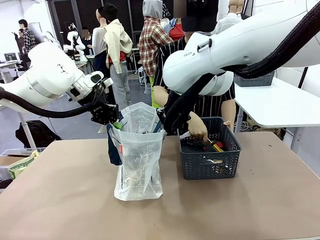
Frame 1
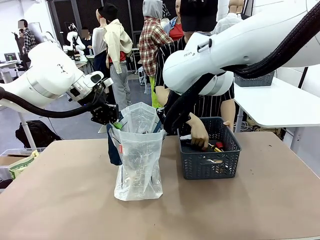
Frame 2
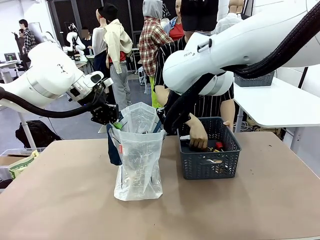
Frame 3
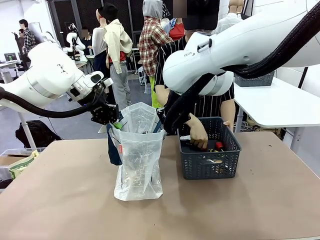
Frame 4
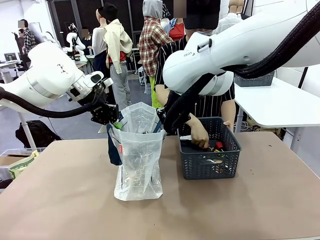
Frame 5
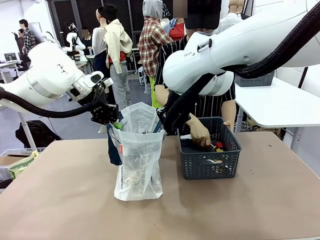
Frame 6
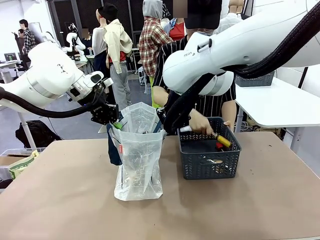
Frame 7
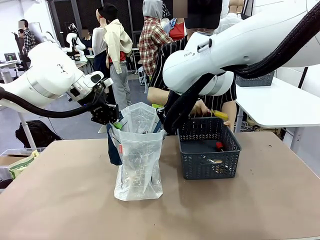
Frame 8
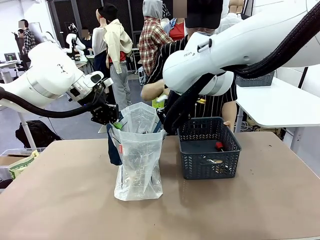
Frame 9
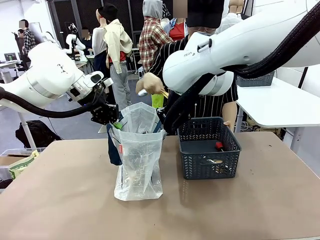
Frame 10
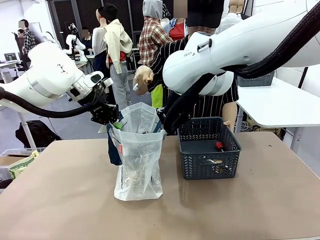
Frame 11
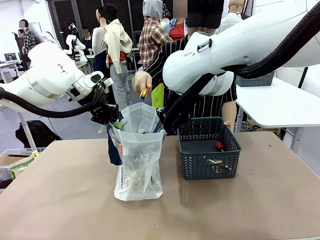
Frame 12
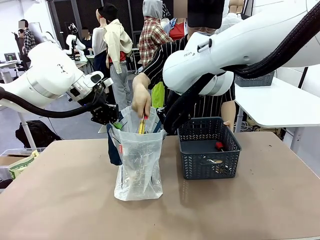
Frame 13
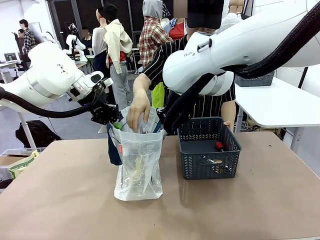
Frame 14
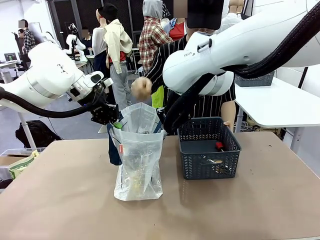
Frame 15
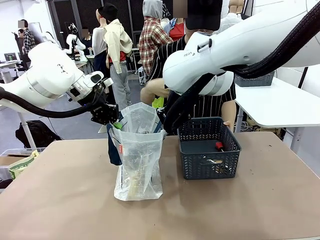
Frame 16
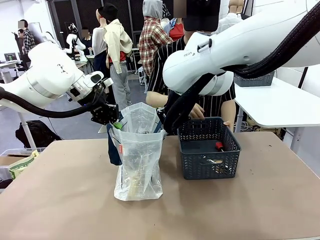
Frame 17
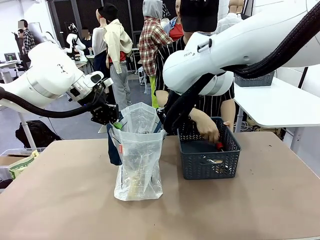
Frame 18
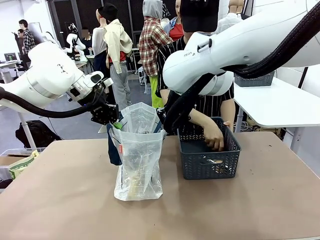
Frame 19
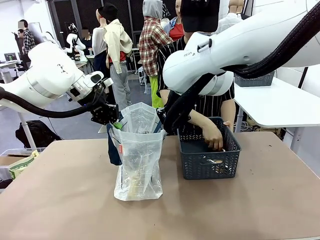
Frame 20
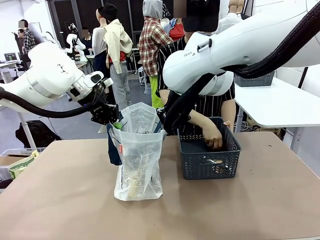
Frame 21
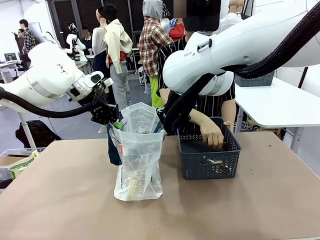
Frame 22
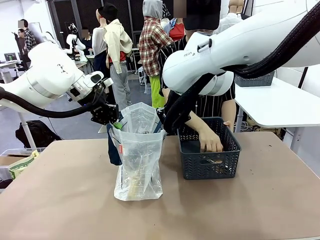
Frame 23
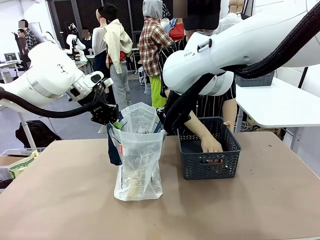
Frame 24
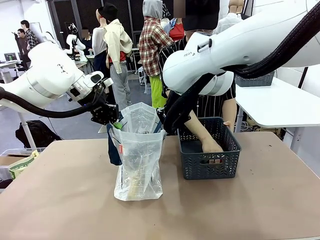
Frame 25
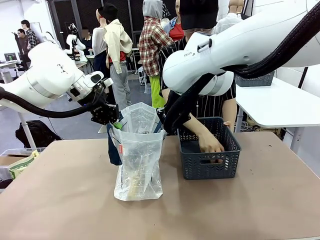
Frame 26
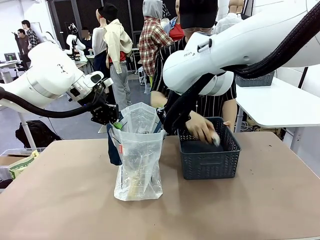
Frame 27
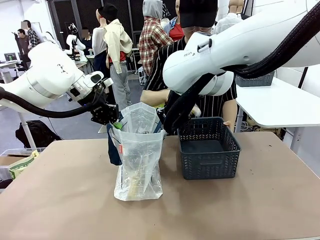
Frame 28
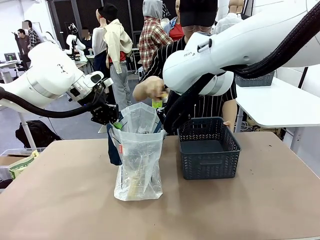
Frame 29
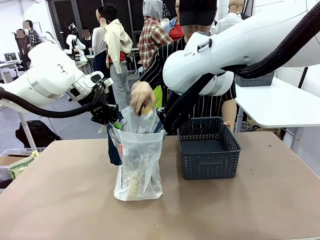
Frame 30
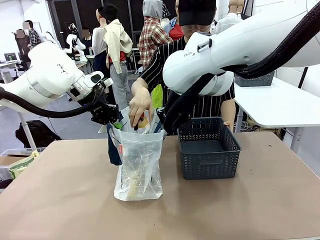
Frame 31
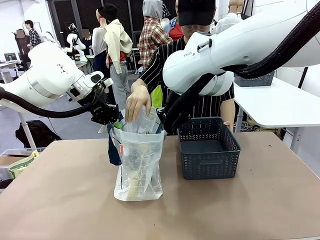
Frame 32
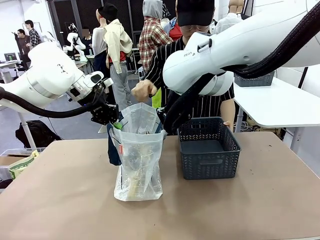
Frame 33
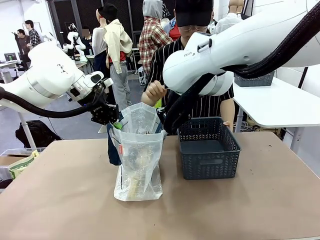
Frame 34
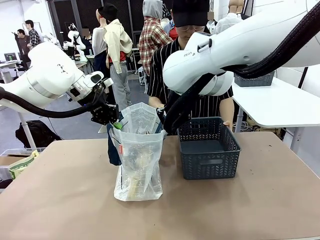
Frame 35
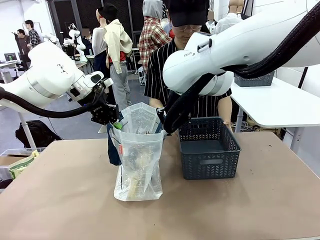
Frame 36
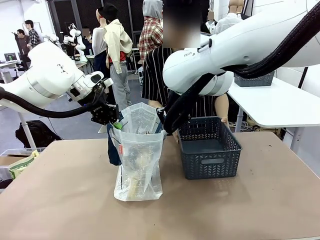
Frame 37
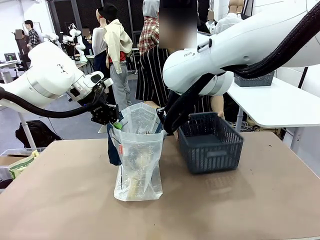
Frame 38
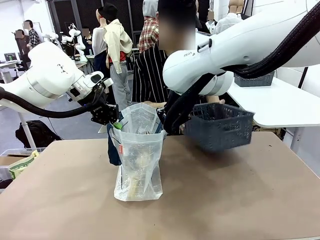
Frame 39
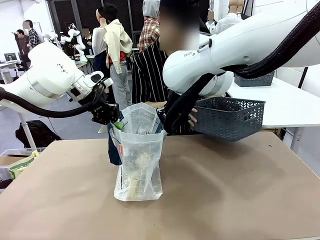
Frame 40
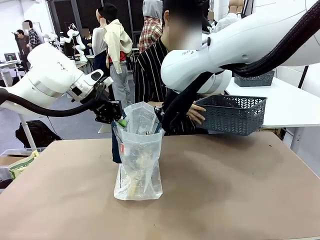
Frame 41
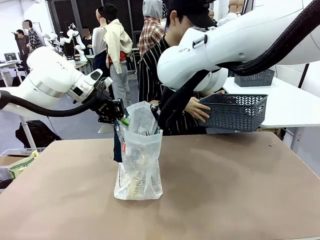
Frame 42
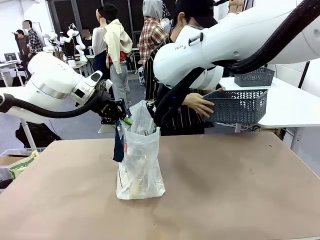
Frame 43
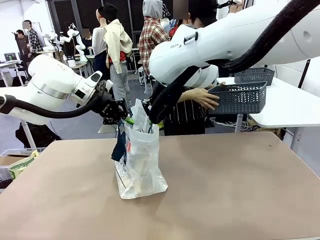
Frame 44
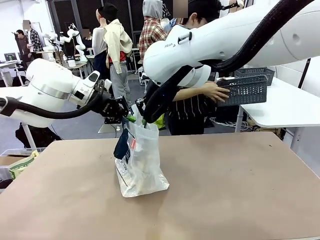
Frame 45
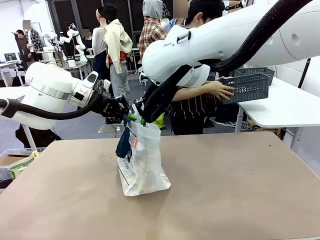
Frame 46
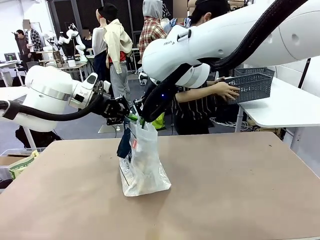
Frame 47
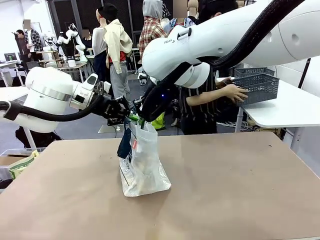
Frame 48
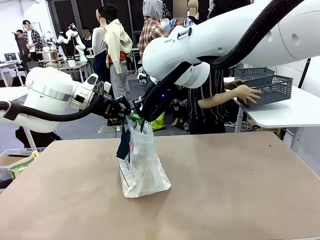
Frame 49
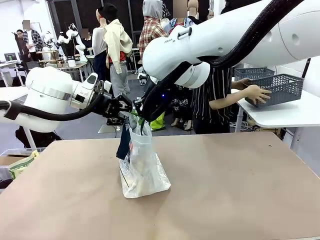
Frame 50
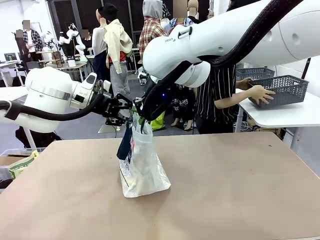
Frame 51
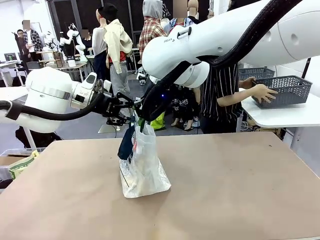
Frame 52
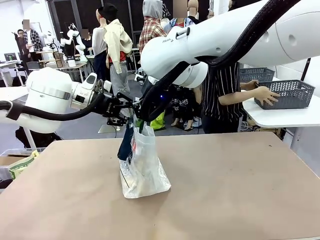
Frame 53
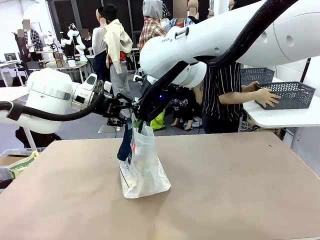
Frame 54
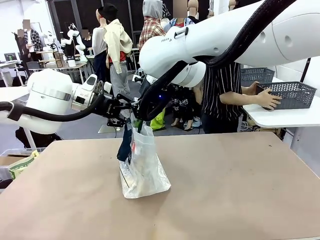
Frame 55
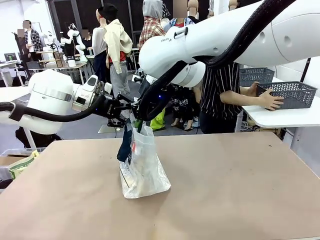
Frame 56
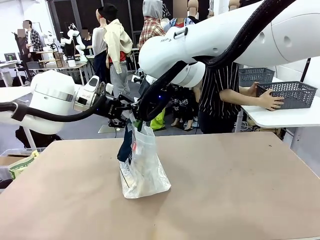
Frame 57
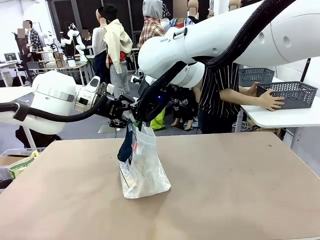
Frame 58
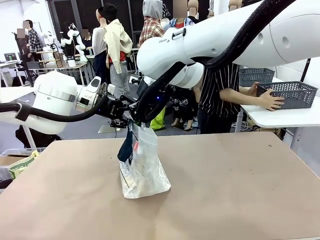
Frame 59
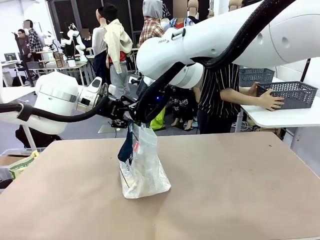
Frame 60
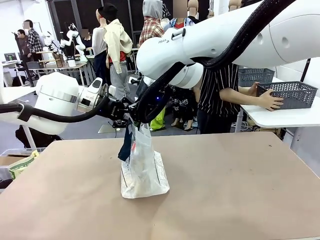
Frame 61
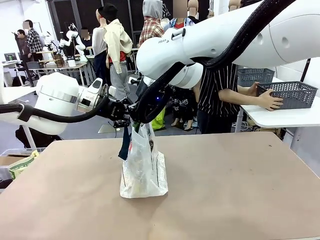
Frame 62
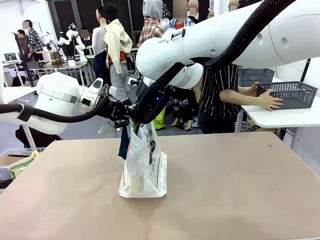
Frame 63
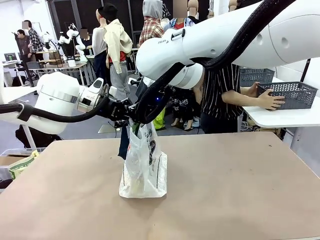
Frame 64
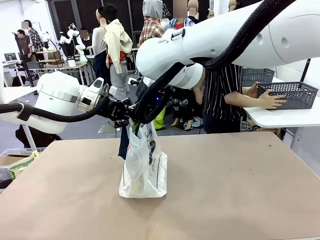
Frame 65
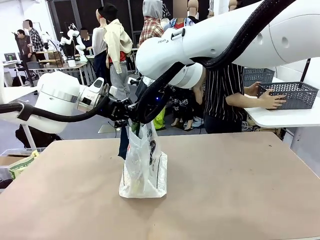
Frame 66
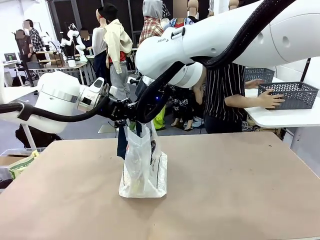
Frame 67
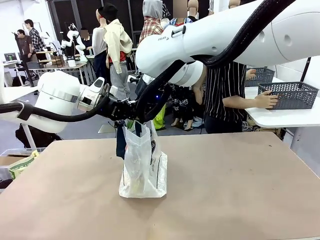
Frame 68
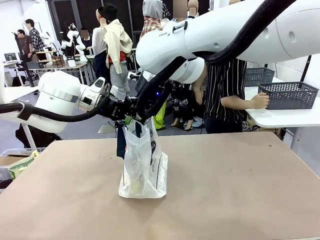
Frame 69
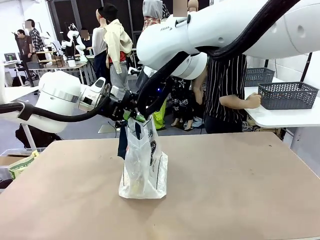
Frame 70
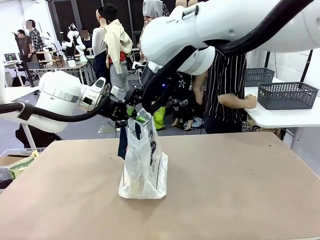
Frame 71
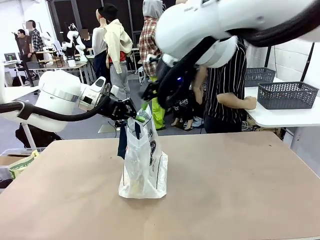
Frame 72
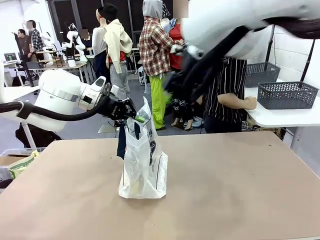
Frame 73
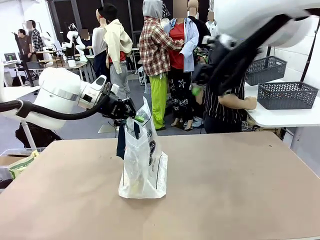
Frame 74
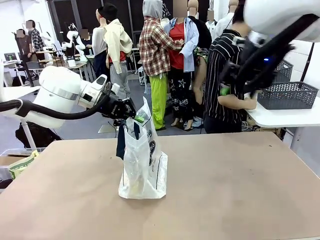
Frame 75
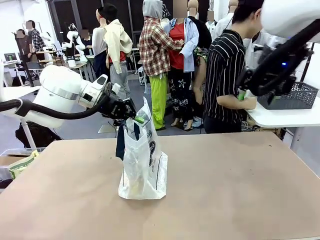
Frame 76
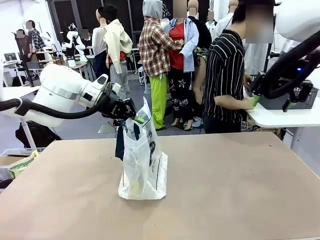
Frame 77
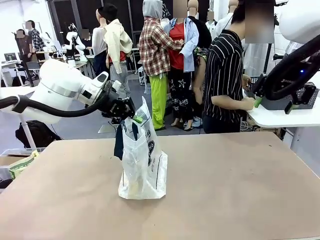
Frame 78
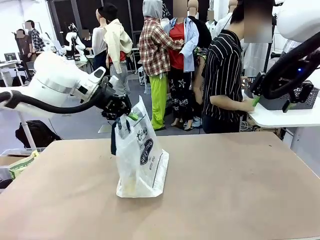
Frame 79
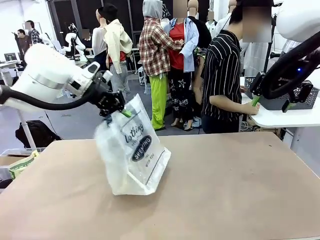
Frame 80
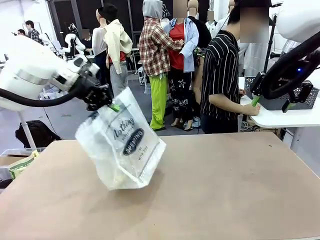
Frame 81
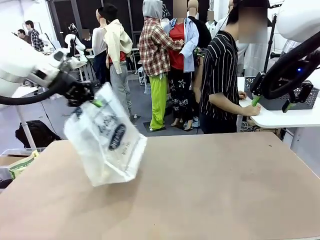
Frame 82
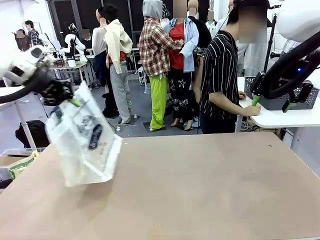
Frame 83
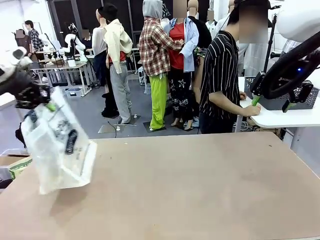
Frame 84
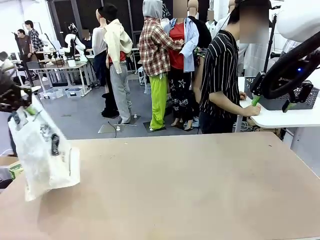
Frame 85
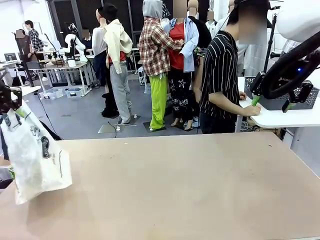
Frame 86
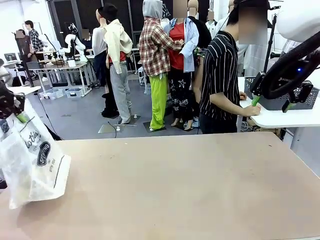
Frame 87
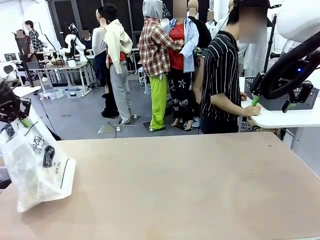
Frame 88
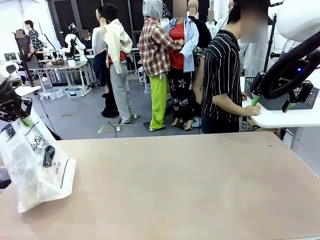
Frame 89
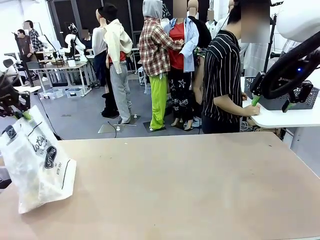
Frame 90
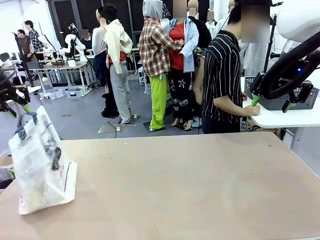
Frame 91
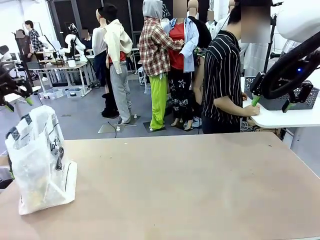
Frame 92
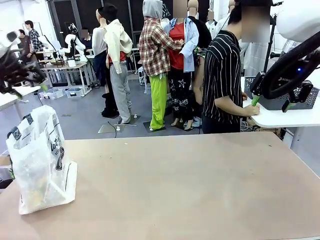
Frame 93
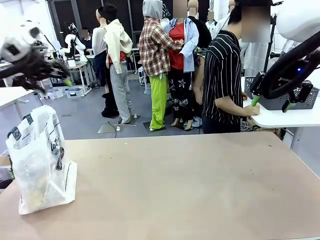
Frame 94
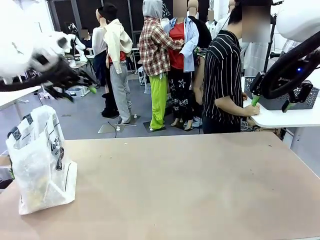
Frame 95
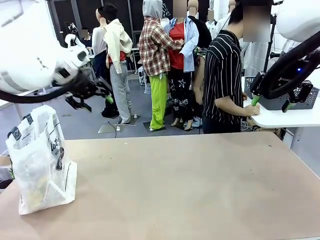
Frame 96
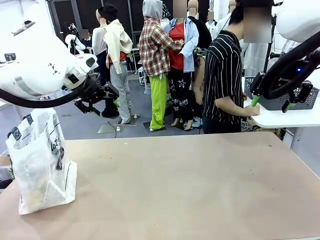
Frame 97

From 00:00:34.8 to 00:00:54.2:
Task: Transfer purchased items from the store into the shopping bag.
Robot: Move the Reusable shopping bag to the right side of the table.
Person: Move the basket on the left to the middle of the person's table.
